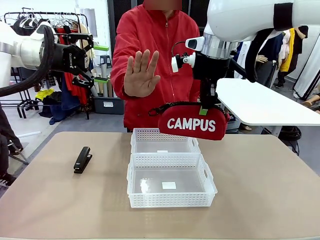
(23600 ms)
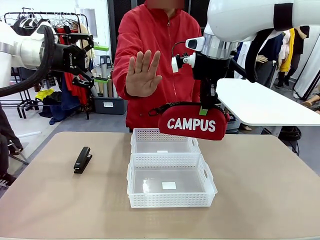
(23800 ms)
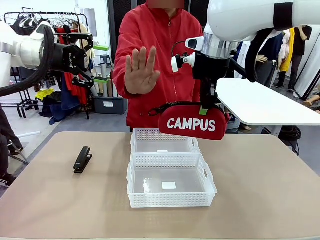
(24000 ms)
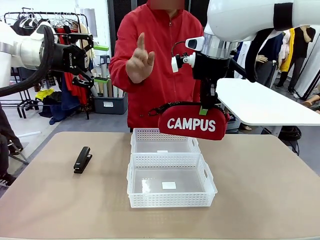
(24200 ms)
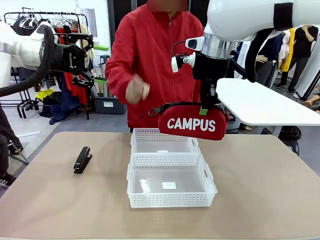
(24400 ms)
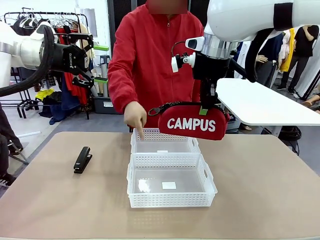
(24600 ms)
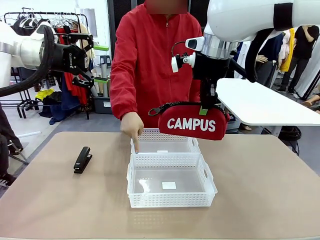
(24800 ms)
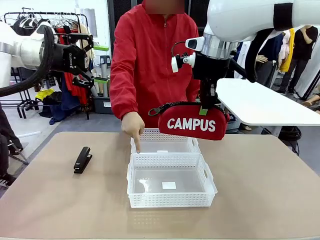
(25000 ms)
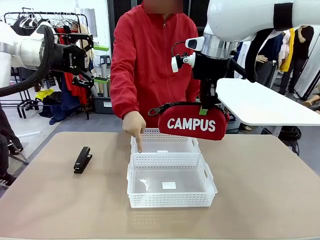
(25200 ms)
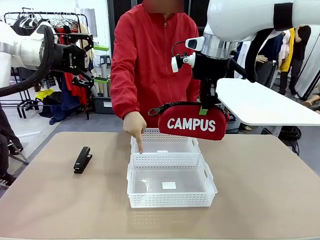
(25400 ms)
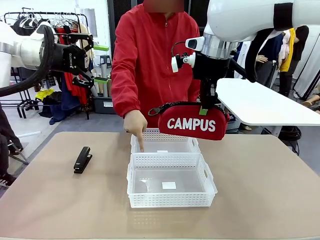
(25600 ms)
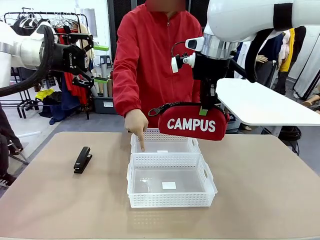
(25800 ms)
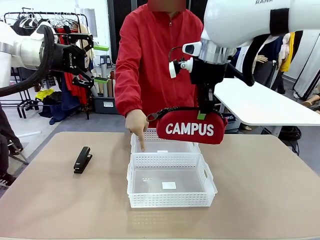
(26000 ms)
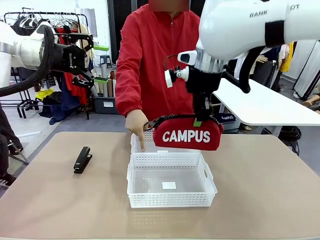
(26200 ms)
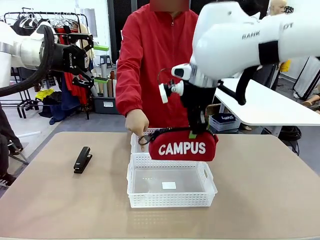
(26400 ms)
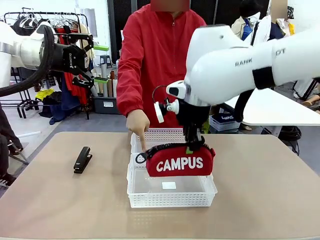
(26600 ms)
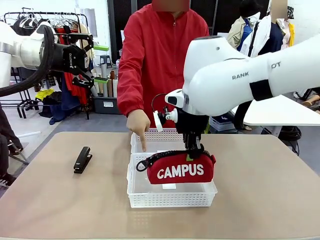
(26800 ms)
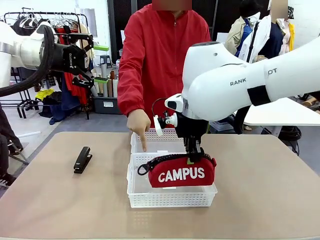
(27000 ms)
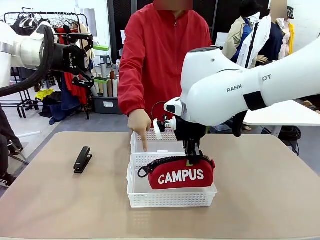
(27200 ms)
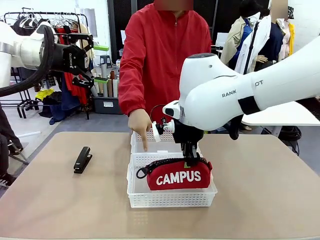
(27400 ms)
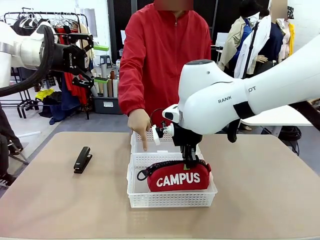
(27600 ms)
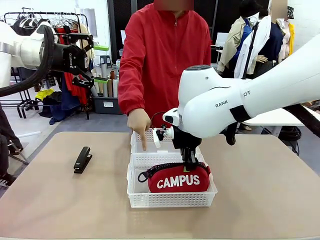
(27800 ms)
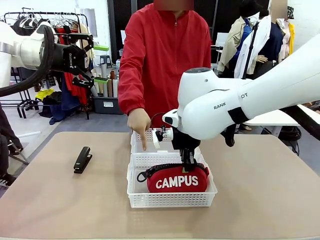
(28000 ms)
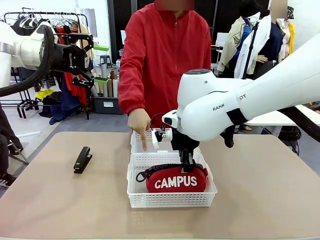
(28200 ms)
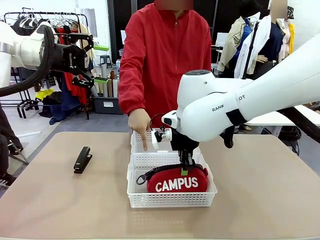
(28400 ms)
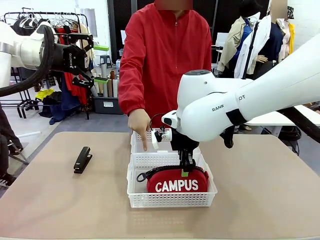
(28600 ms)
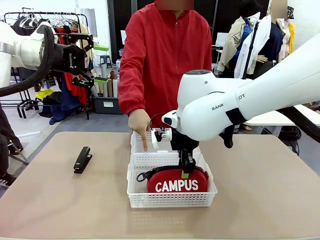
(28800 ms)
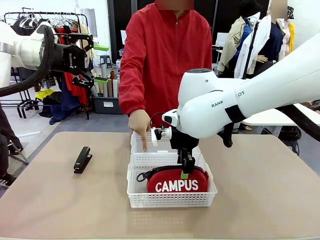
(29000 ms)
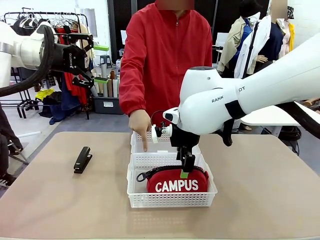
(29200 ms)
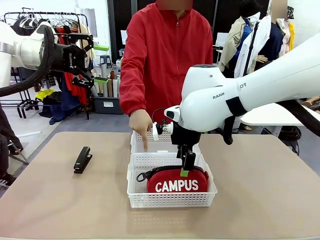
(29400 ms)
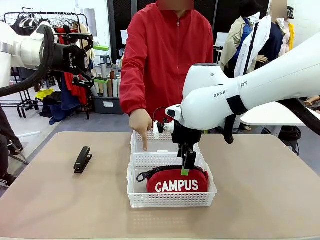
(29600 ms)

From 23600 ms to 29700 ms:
Task: Distribute items into two baskets.
Robot: Place the picked Pencil pouch into the Organizing basket as instructed by the person.
Person: Instructs the robot to place the pencil case into the opposite basket.

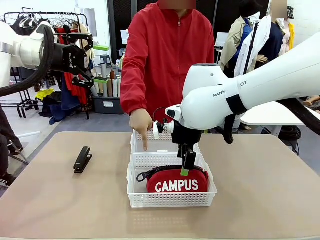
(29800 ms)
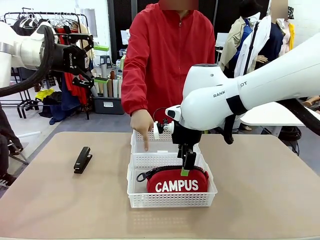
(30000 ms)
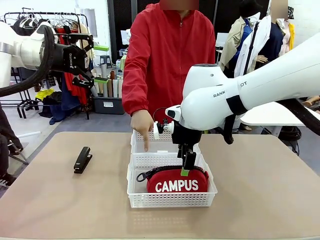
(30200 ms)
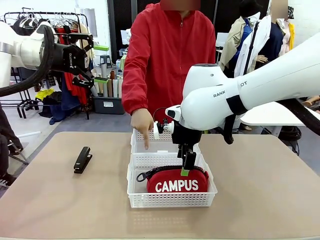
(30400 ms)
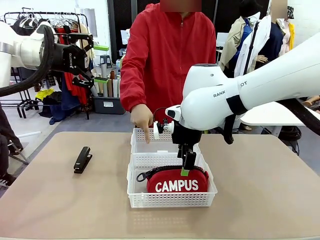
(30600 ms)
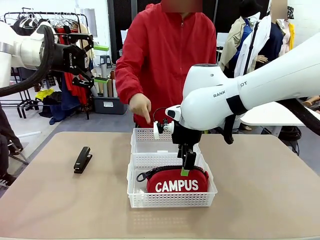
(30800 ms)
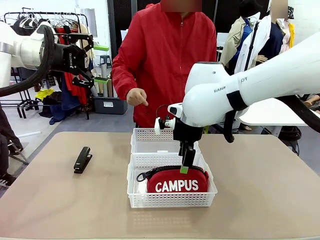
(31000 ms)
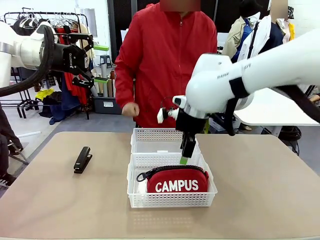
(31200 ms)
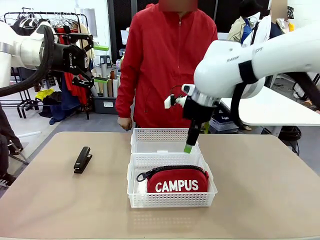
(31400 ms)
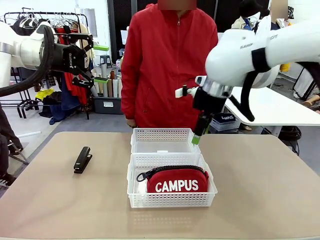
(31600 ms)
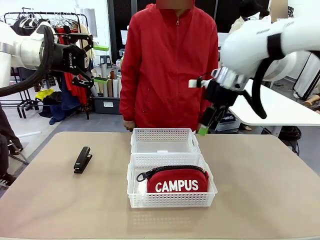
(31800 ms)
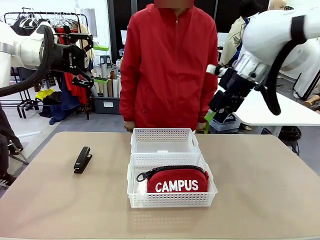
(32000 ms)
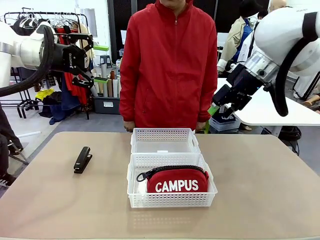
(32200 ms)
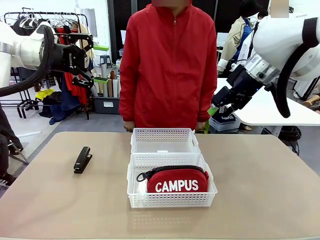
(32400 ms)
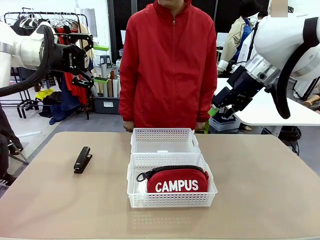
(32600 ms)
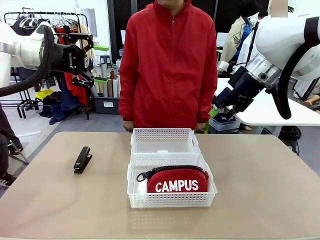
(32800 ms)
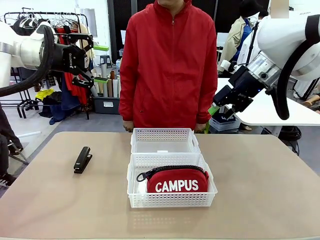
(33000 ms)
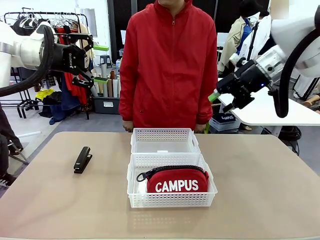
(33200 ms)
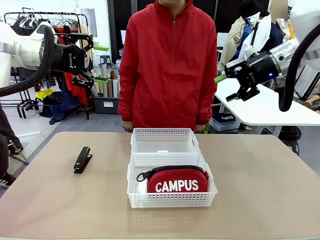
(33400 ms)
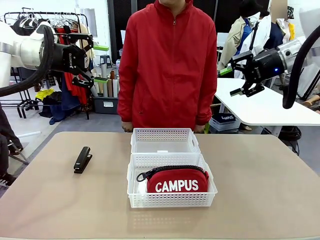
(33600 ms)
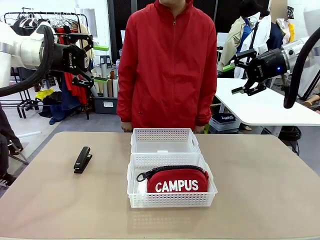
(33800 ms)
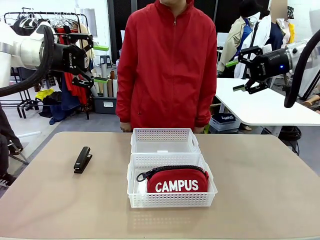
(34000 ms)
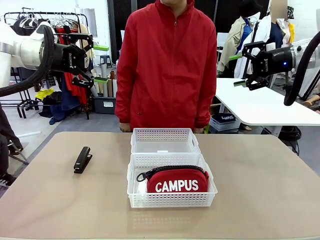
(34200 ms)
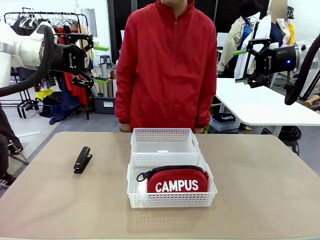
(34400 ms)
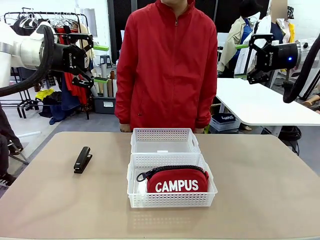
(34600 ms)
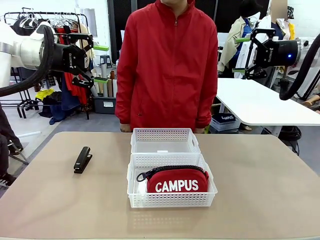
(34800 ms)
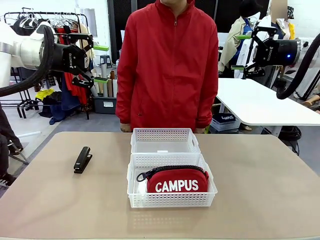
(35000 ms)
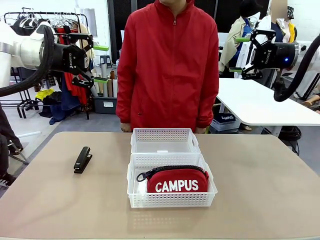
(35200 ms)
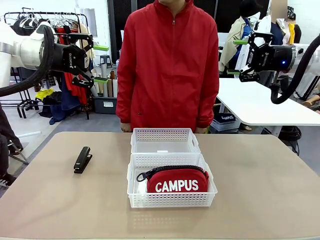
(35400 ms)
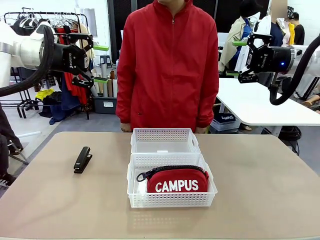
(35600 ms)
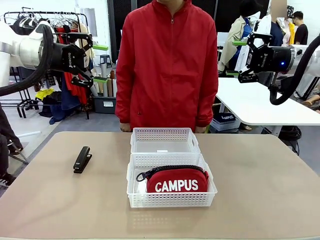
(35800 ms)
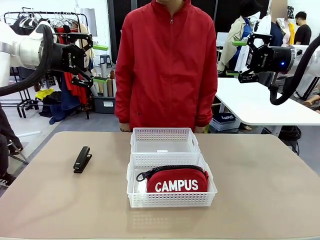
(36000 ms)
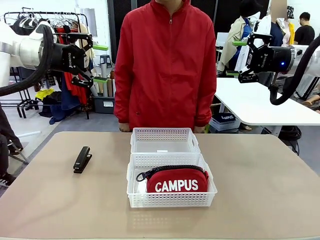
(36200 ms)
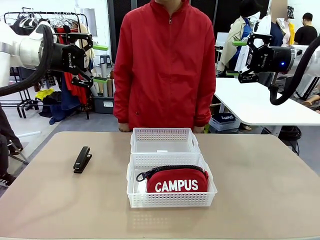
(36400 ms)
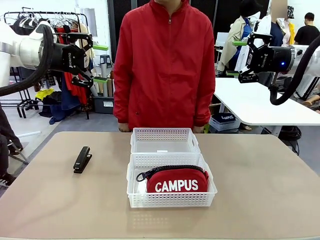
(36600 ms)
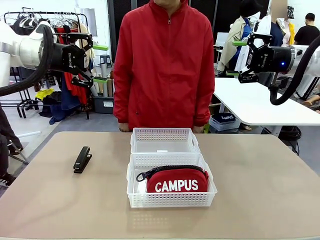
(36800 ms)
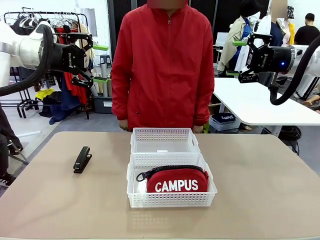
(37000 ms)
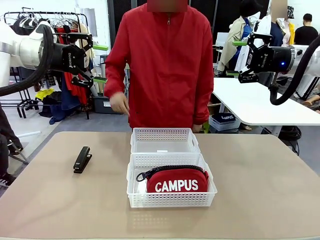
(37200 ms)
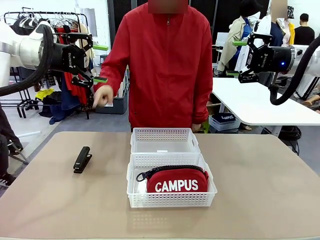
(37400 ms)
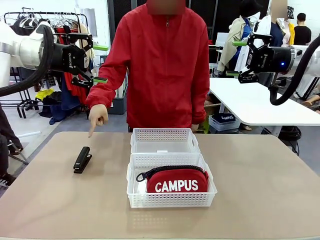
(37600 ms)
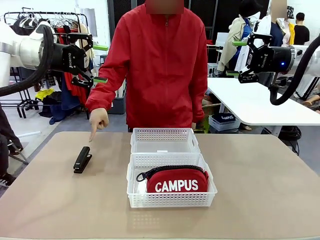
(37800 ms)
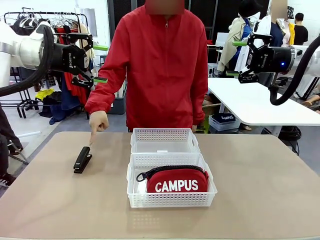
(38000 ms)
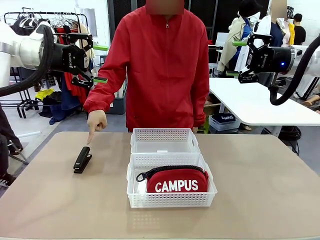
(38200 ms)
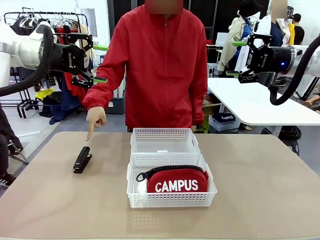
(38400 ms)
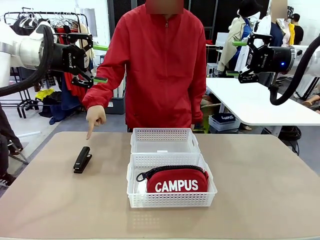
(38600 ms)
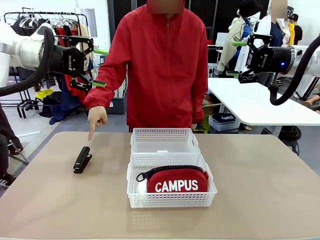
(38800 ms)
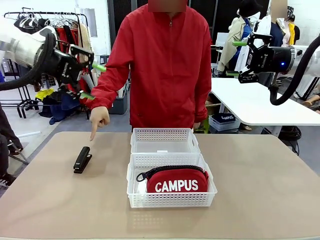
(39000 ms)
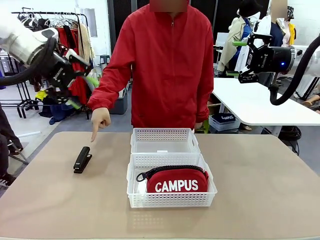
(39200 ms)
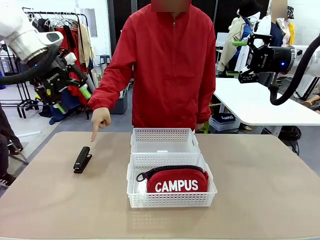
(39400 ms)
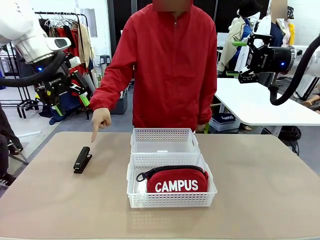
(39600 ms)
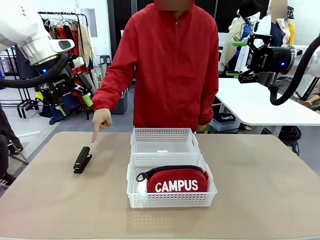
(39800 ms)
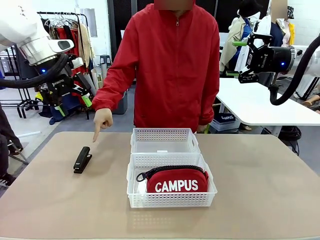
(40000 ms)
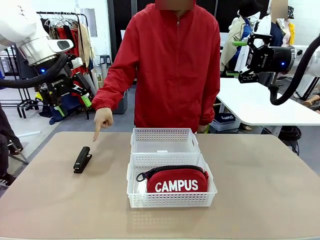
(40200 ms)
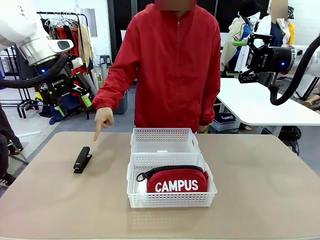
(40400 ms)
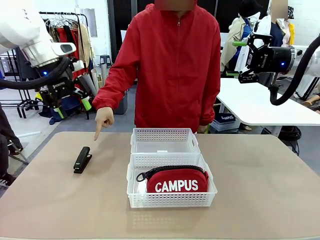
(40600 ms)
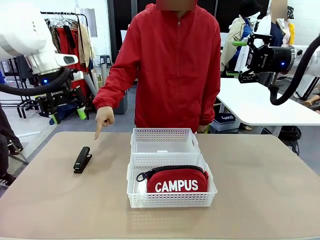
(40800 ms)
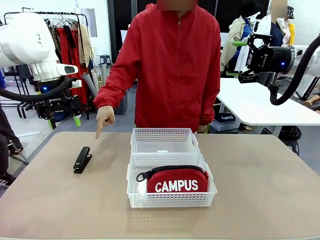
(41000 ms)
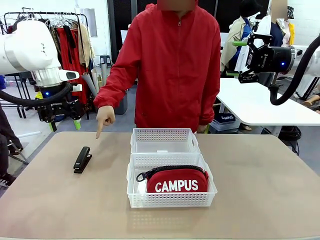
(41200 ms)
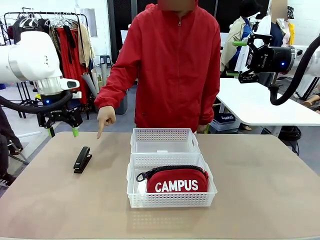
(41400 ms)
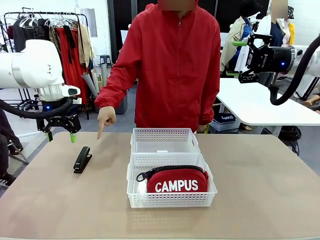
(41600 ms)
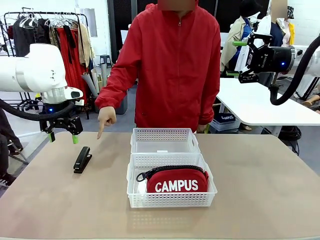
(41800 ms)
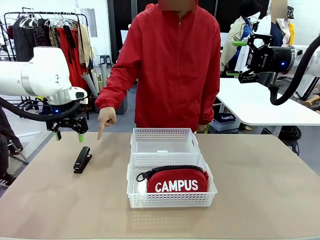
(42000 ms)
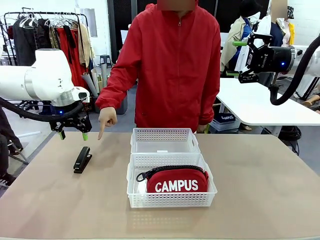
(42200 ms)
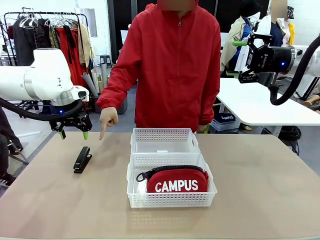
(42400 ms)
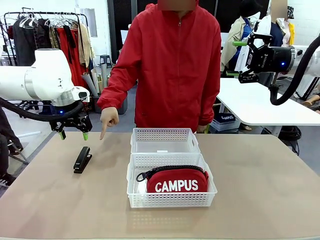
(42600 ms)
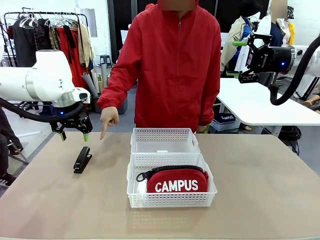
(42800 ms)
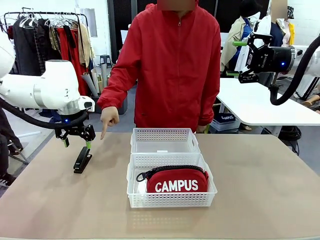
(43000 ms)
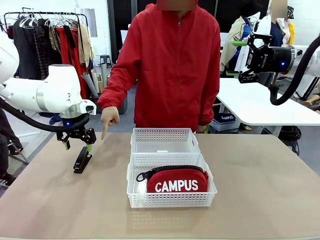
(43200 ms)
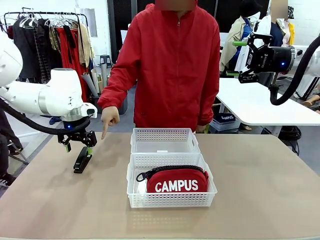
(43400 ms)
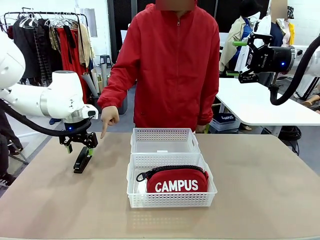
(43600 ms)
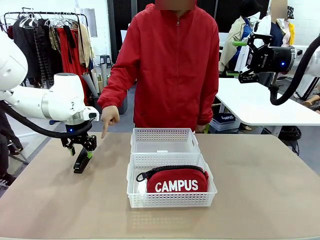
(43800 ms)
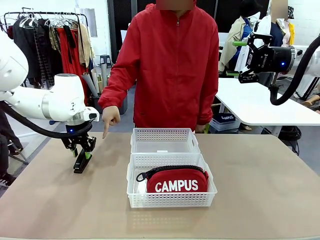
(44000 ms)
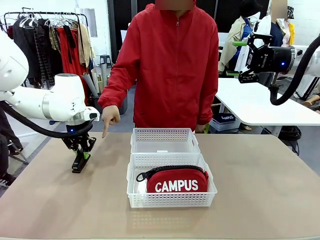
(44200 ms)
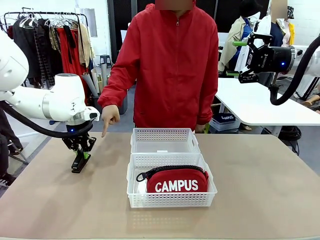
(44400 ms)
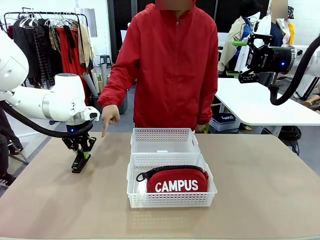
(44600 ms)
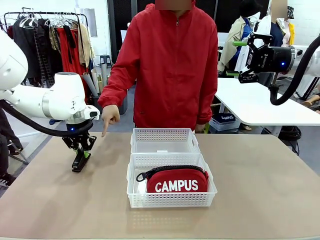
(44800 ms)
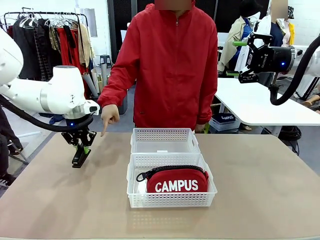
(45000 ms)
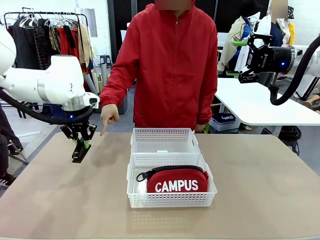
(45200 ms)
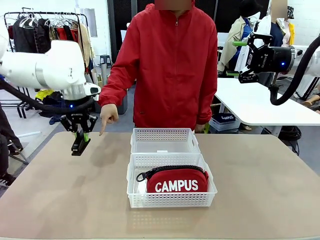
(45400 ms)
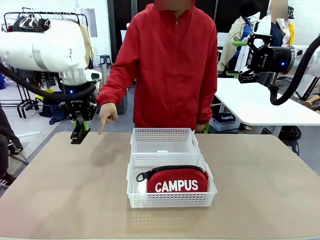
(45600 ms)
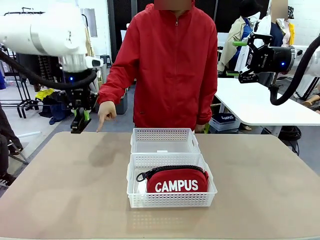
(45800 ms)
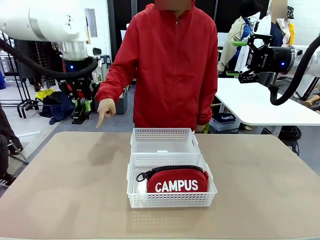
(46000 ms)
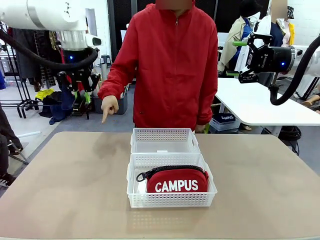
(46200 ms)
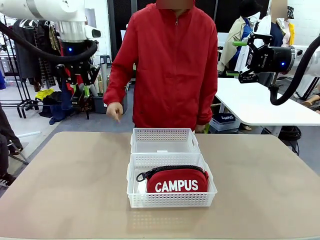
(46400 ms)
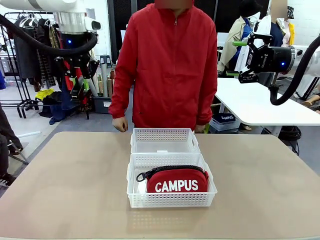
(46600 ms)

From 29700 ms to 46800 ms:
Robot: Pick up the Stapler that the person points to.
Person: Points to the stapler.
